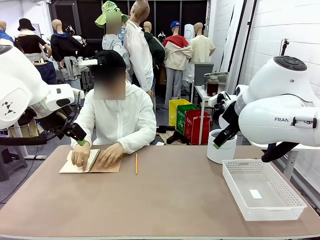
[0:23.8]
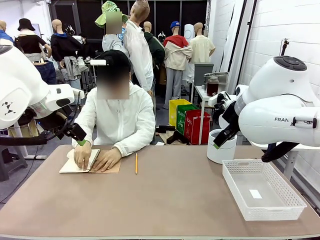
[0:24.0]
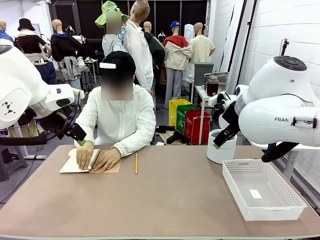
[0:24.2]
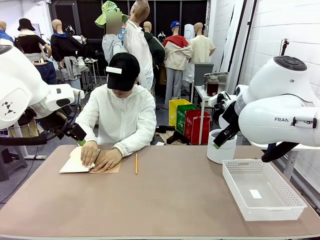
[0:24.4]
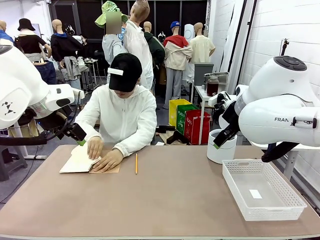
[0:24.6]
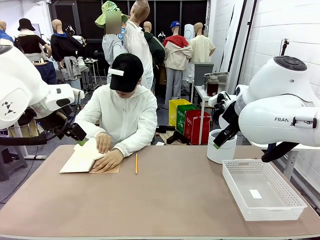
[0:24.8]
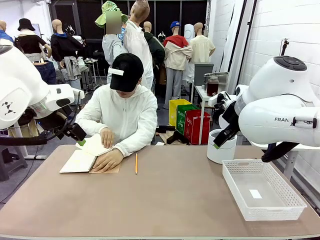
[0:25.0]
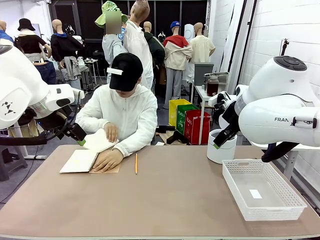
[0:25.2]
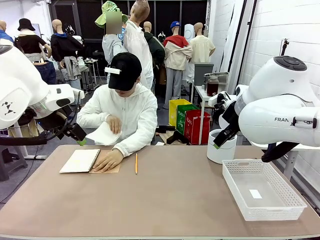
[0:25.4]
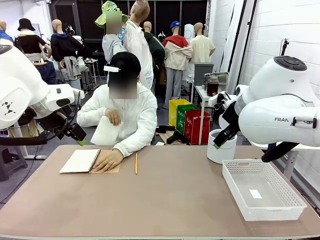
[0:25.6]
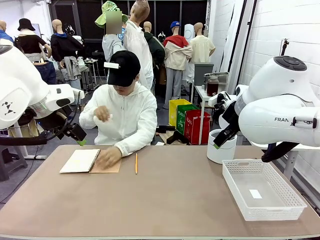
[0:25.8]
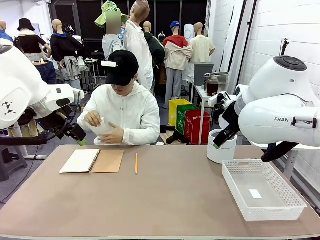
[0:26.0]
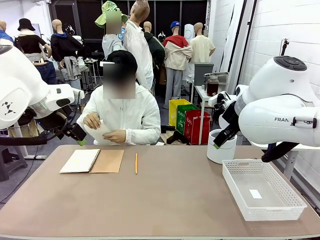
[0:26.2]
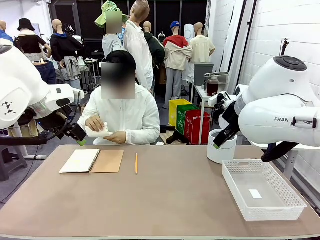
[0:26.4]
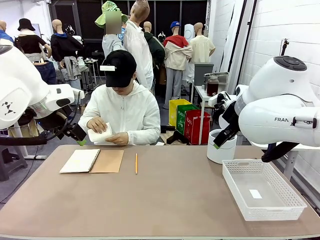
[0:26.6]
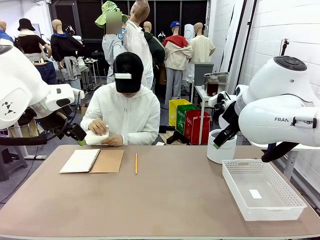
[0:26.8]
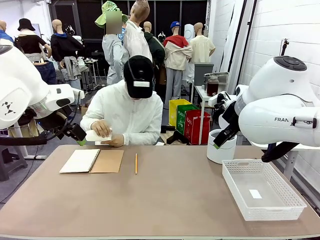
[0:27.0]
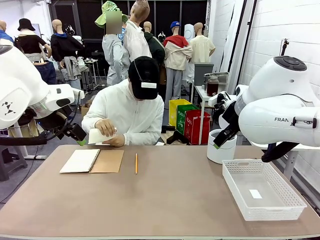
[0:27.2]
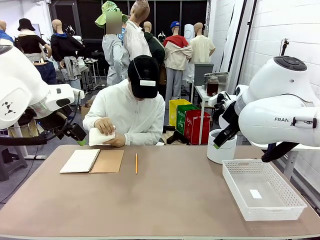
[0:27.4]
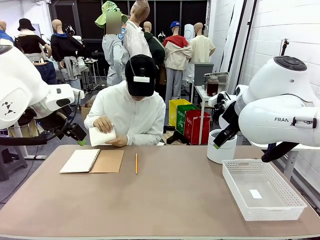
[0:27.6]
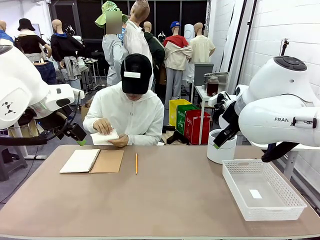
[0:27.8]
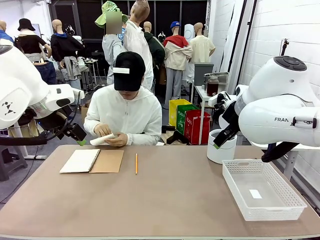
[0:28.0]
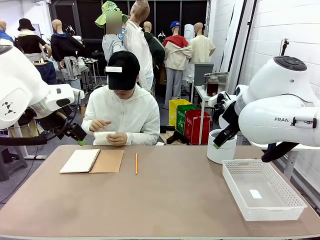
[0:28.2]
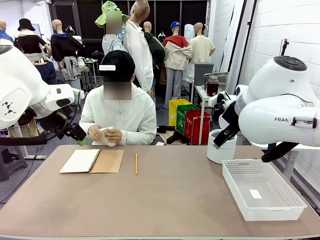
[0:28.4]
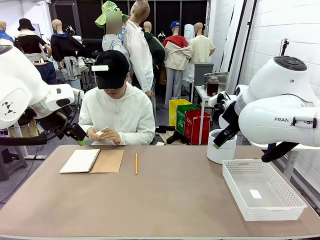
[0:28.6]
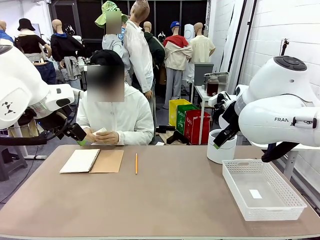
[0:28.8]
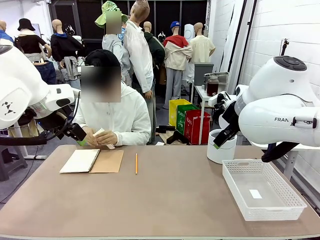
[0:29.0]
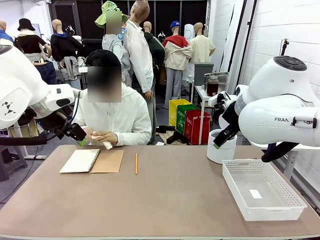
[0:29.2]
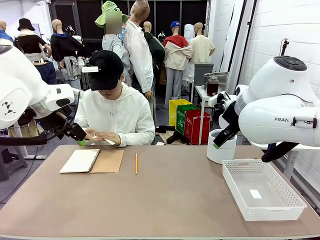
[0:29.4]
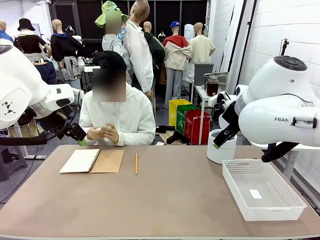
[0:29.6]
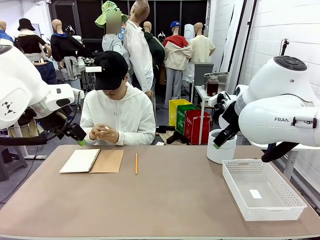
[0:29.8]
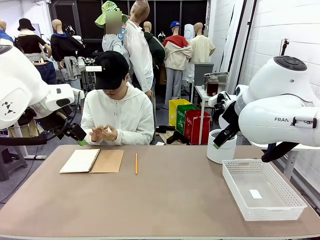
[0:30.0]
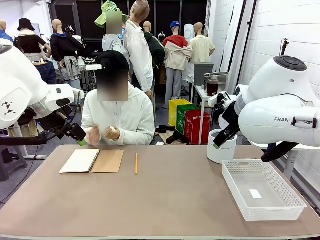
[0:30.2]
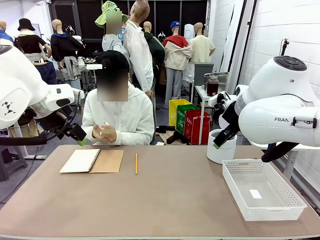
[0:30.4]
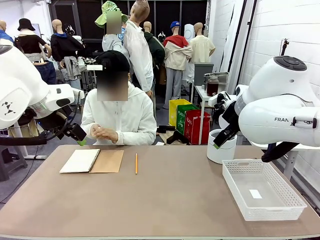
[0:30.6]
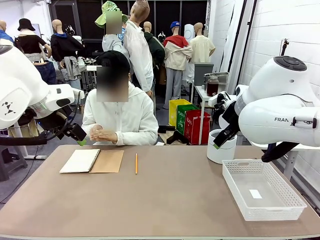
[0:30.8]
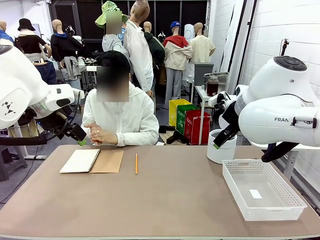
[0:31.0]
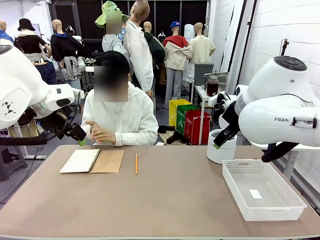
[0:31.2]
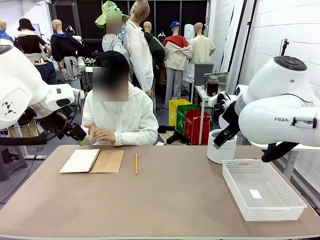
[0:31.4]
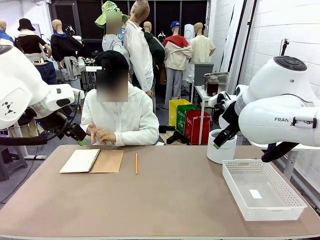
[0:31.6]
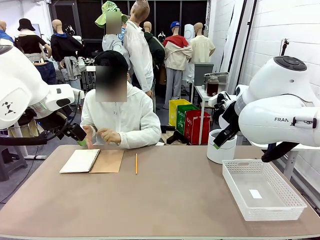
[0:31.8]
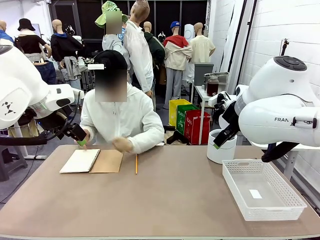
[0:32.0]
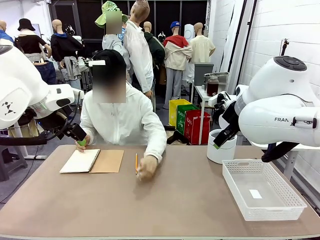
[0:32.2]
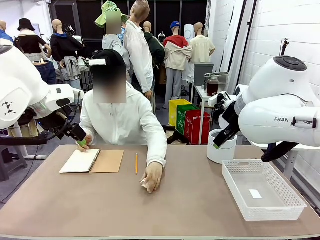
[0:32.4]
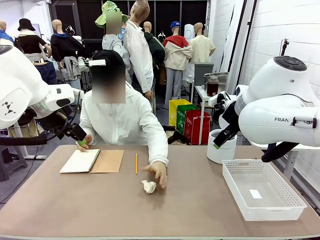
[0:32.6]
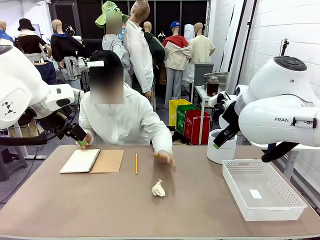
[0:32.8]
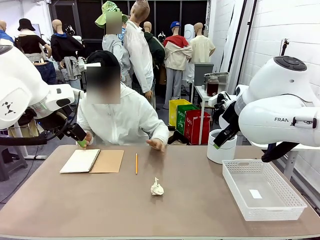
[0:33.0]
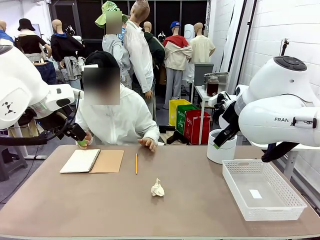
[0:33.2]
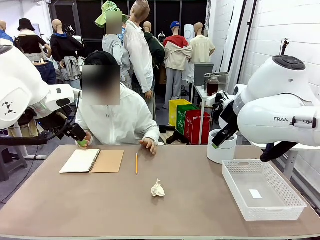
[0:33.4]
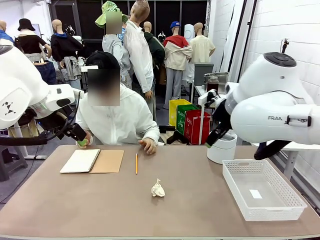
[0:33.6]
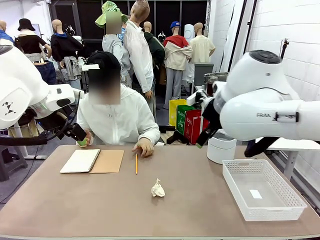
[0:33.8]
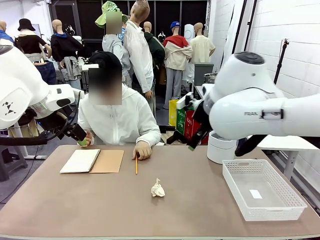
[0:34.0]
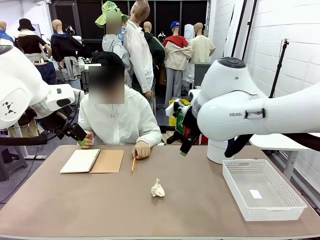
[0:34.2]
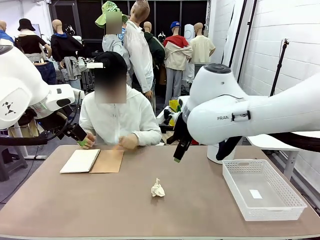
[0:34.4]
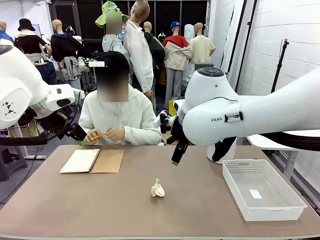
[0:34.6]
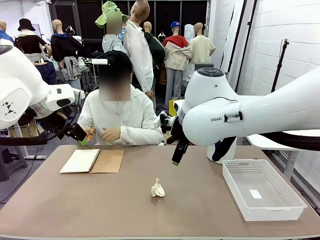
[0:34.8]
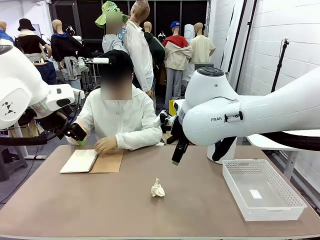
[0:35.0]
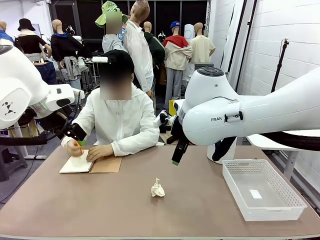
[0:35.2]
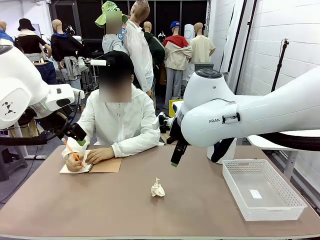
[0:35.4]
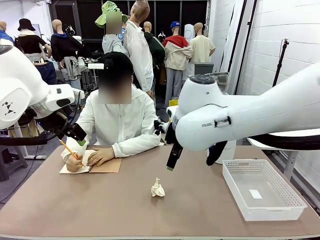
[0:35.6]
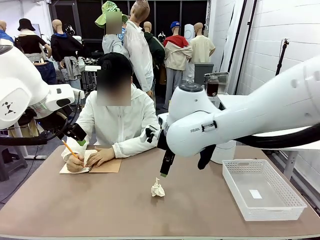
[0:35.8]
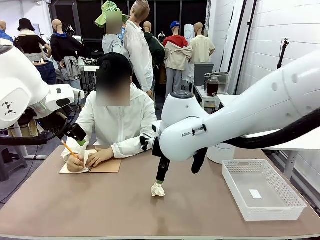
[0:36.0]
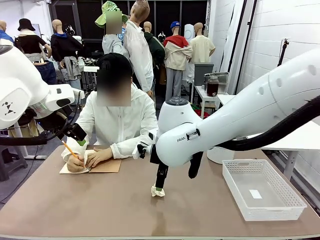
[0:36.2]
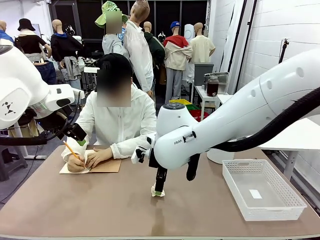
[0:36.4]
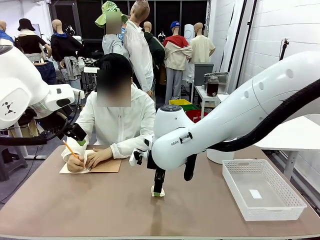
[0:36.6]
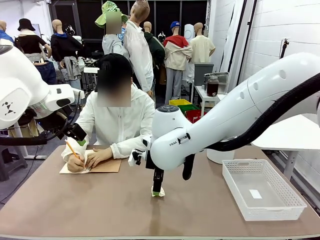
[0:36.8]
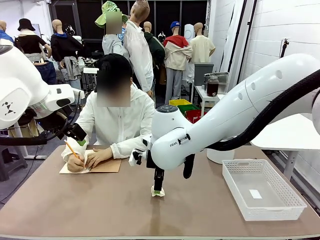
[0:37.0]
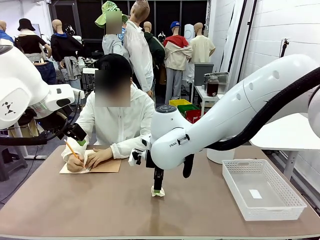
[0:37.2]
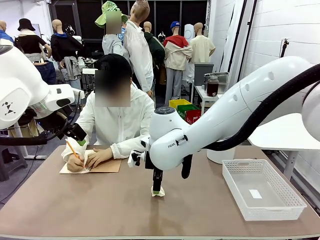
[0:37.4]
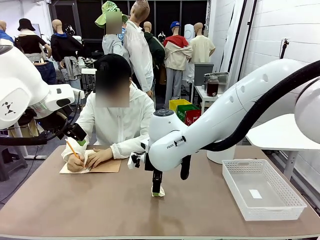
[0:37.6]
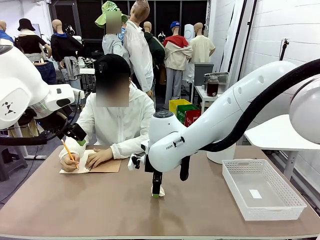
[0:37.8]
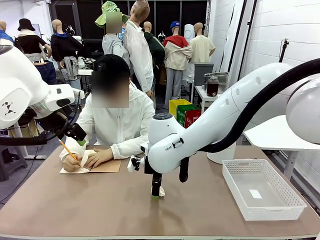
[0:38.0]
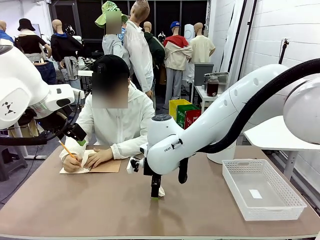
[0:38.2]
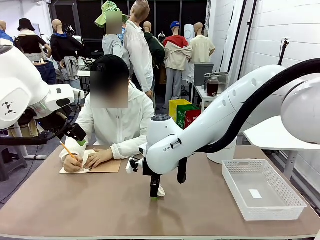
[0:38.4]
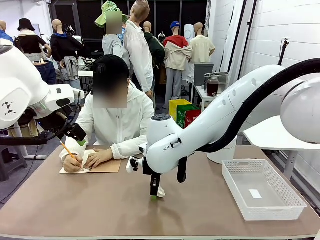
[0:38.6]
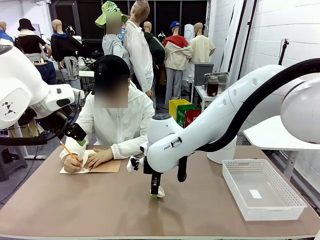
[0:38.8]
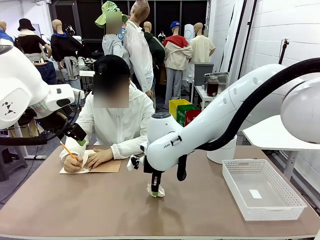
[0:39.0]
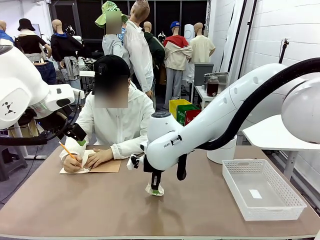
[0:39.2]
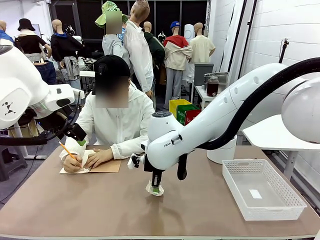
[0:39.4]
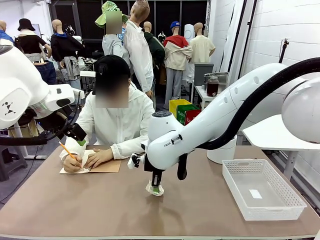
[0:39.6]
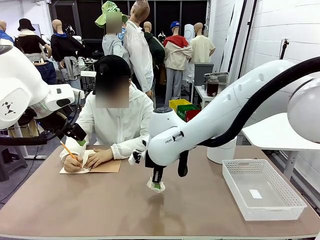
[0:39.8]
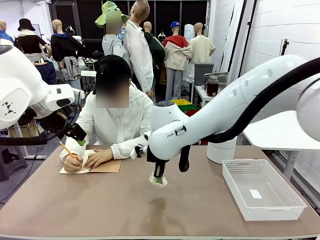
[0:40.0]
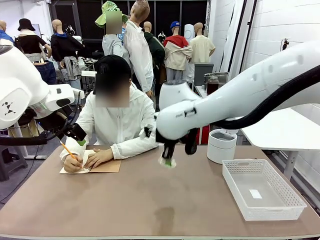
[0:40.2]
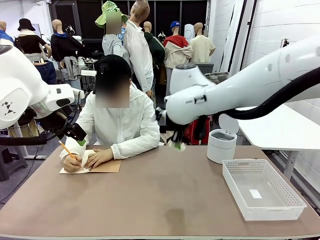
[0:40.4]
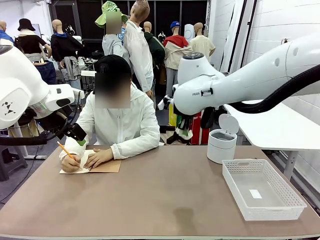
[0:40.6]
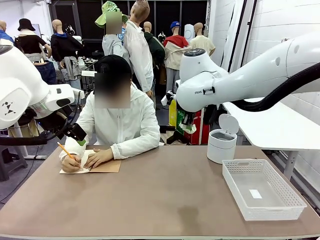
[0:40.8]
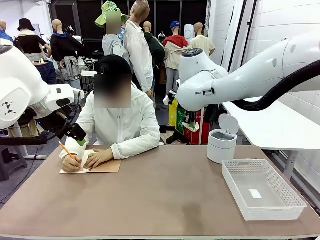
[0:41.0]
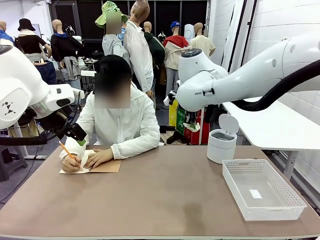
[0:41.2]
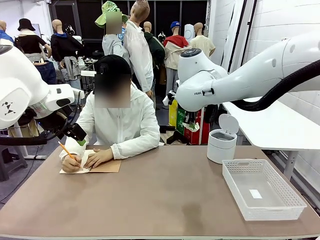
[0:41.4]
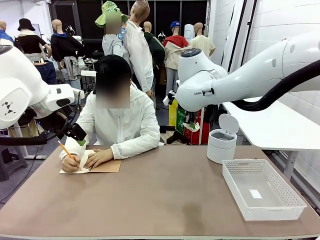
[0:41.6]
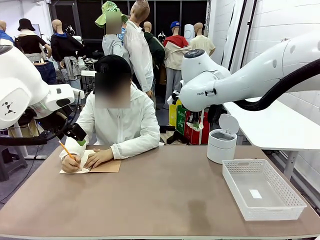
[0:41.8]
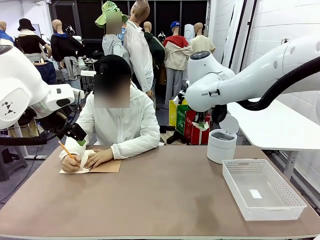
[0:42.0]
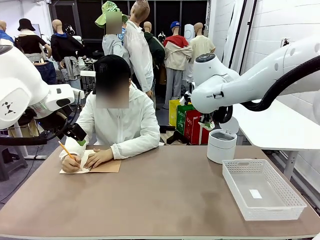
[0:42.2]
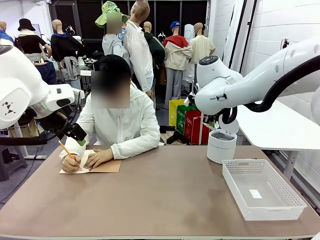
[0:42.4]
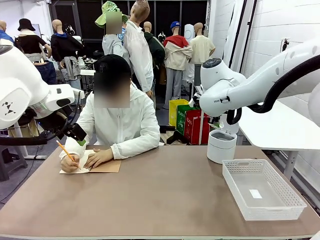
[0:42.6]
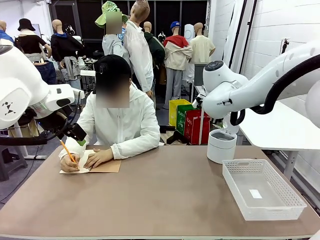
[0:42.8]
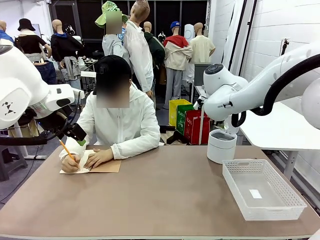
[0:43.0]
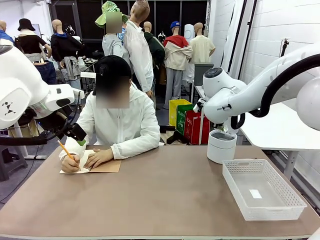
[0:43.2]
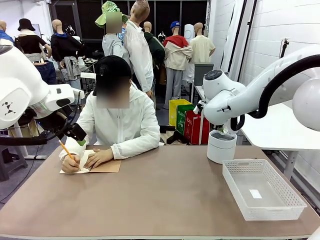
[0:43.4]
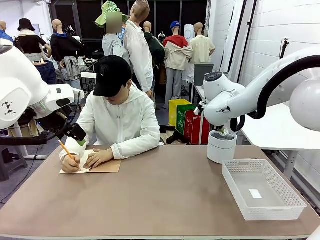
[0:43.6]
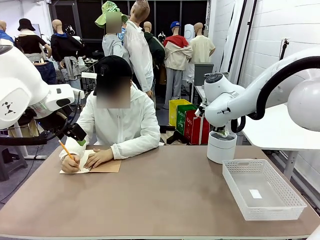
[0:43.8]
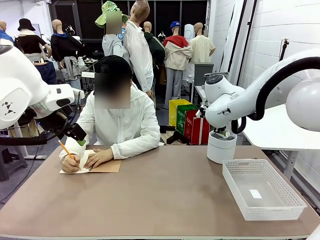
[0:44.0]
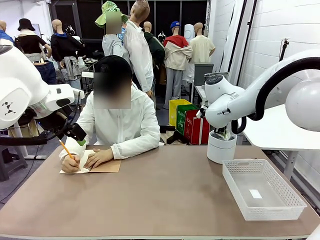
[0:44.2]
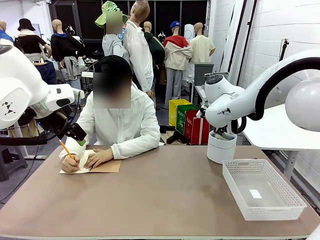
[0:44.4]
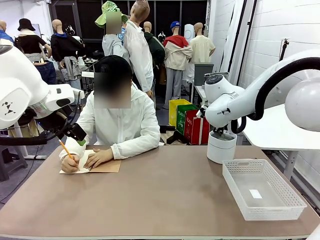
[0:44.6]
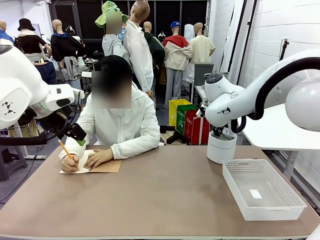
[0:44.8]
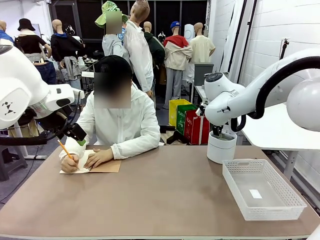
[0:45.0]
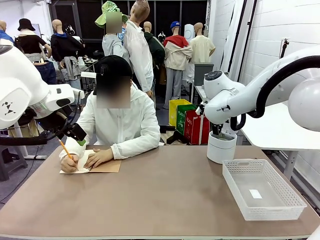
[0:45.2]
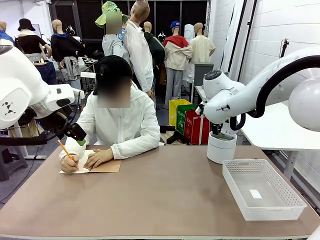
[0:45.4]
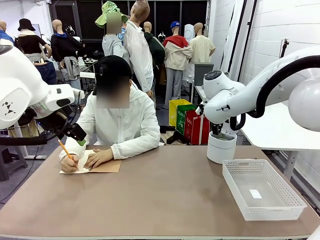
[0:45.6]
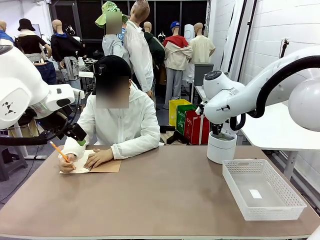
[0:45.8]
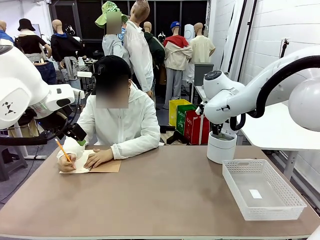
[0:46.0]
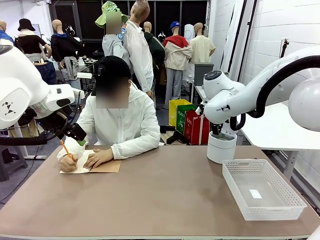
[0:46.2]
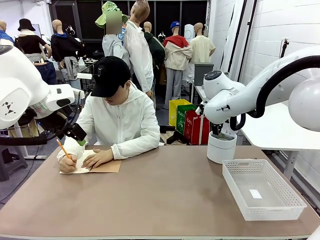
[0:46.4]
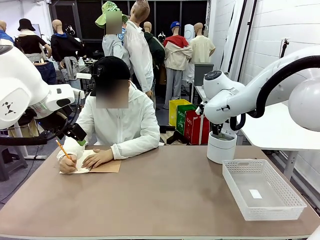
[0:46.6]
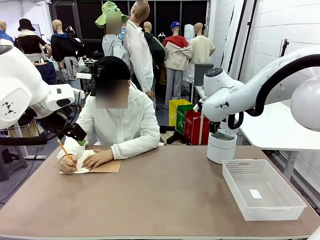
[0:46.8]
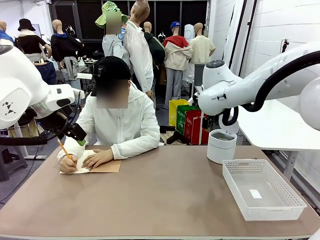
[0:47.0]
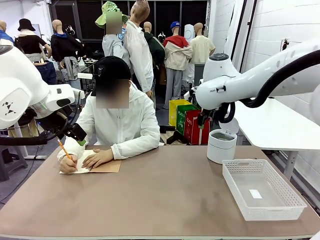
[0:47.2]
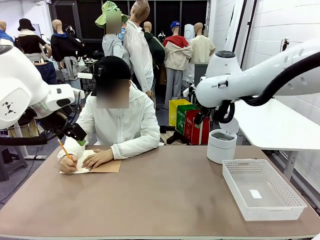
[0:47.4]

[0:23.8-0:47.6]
Task: Sort the paper based on its condition.
Robot: If a person hands you a paper, place it in the Organizing basket , and if it's crumpled, put it in the Trash can.
Person: Hand the torn page to the robot or crumple it and throw it to the center of the table.
